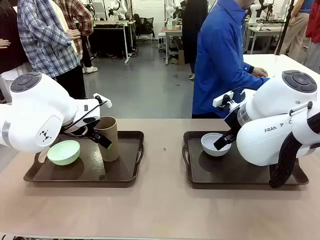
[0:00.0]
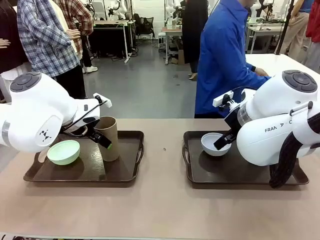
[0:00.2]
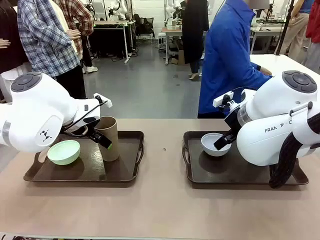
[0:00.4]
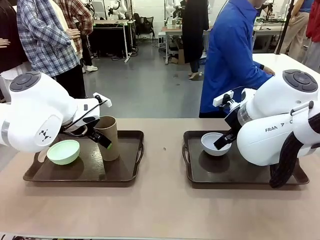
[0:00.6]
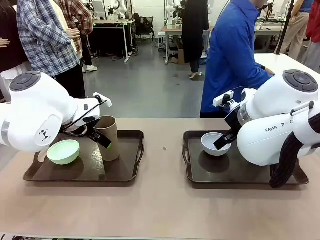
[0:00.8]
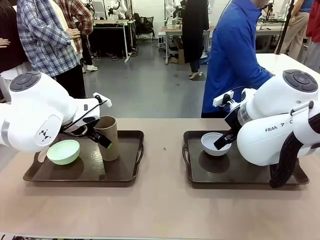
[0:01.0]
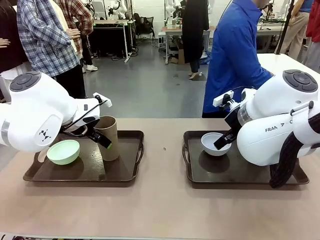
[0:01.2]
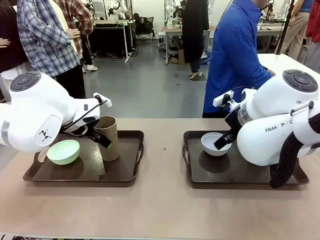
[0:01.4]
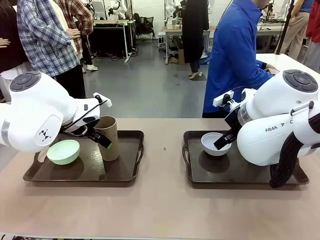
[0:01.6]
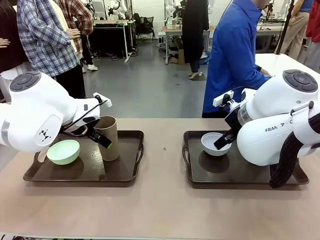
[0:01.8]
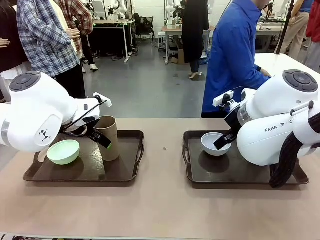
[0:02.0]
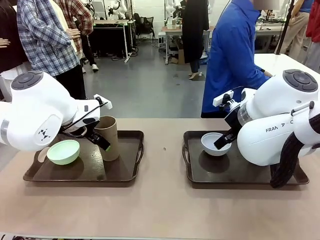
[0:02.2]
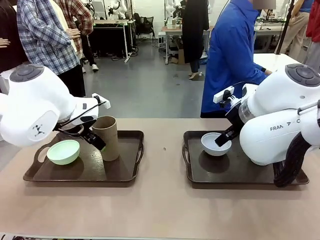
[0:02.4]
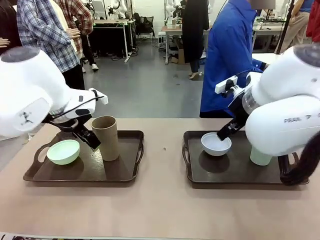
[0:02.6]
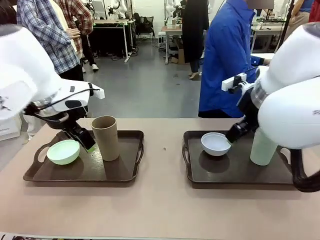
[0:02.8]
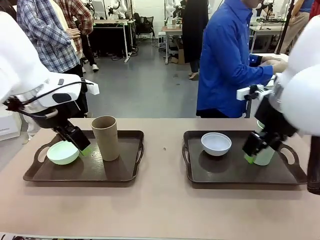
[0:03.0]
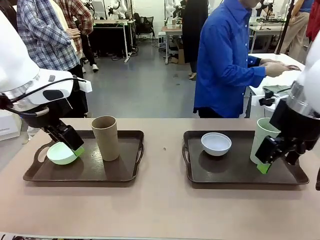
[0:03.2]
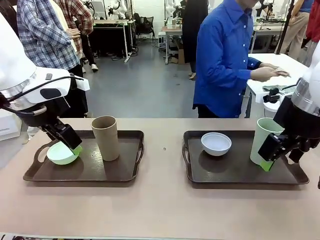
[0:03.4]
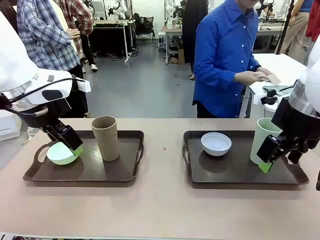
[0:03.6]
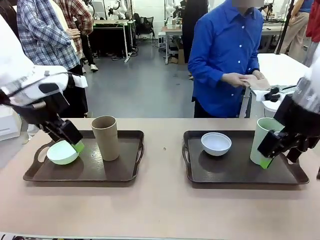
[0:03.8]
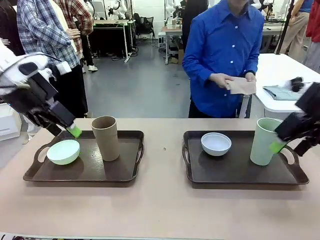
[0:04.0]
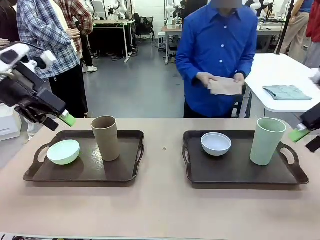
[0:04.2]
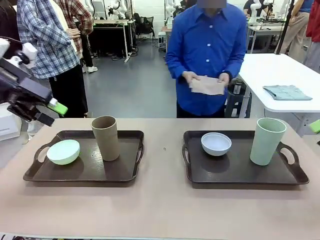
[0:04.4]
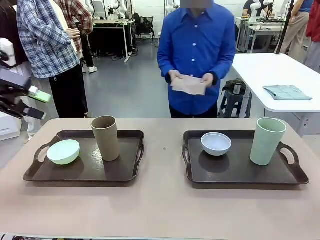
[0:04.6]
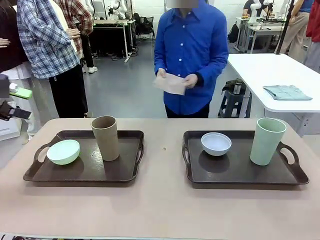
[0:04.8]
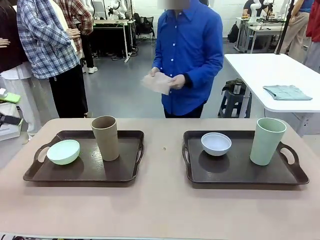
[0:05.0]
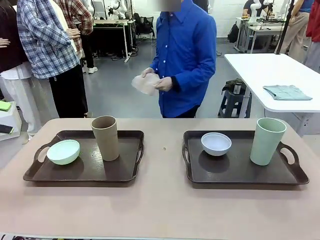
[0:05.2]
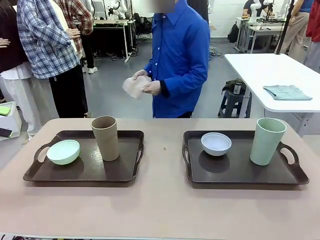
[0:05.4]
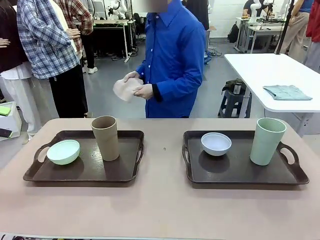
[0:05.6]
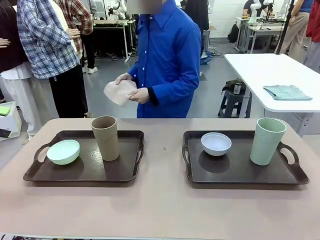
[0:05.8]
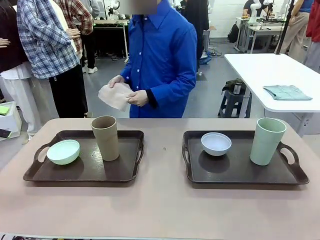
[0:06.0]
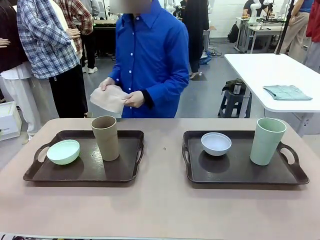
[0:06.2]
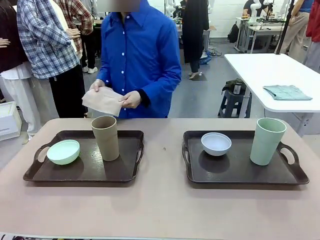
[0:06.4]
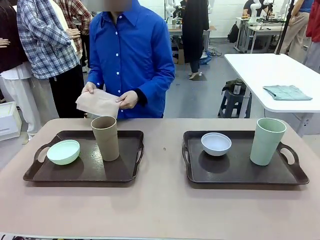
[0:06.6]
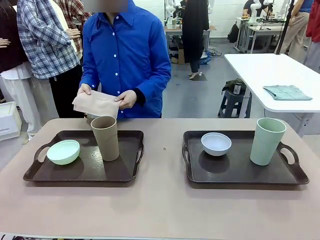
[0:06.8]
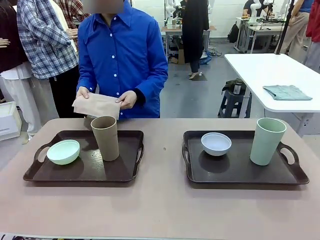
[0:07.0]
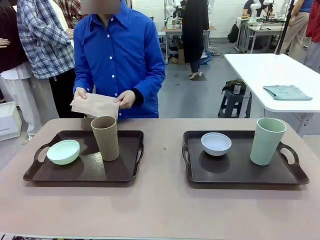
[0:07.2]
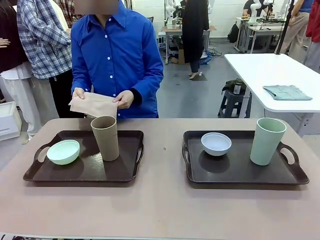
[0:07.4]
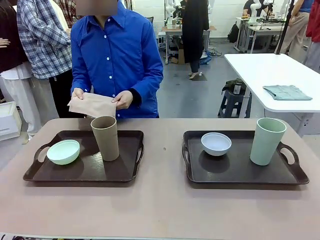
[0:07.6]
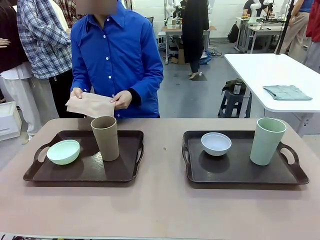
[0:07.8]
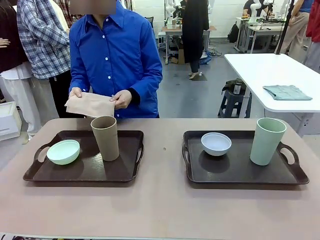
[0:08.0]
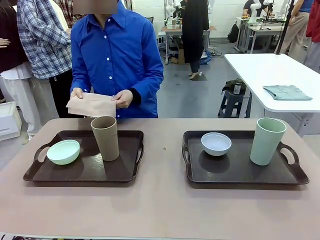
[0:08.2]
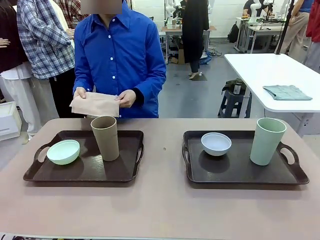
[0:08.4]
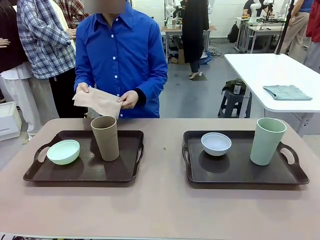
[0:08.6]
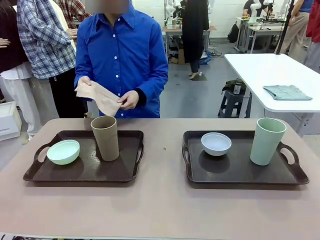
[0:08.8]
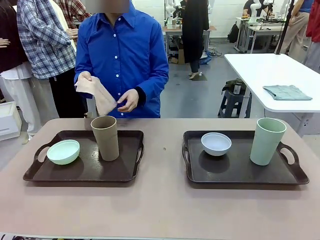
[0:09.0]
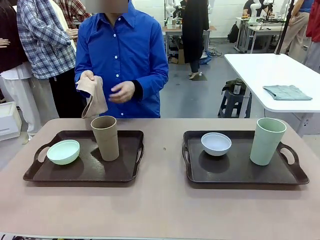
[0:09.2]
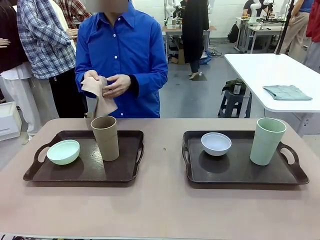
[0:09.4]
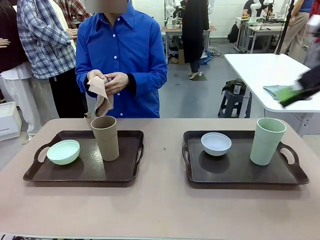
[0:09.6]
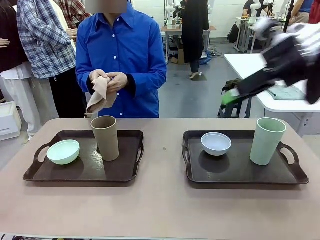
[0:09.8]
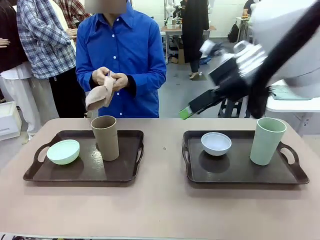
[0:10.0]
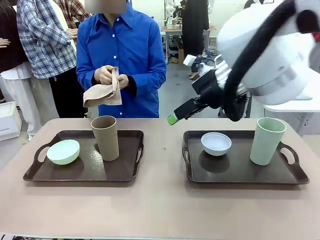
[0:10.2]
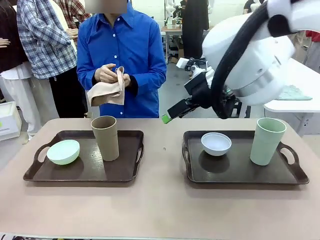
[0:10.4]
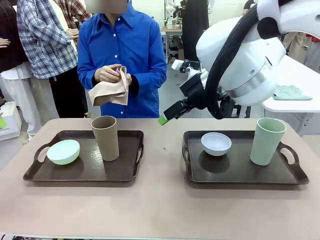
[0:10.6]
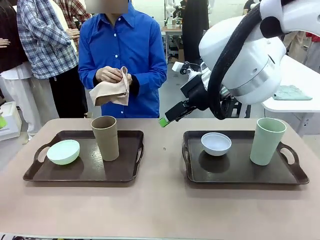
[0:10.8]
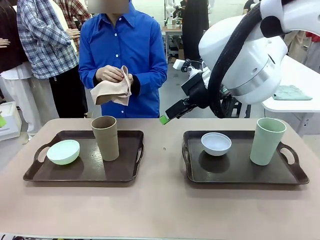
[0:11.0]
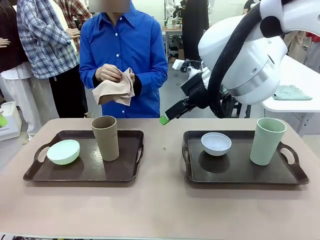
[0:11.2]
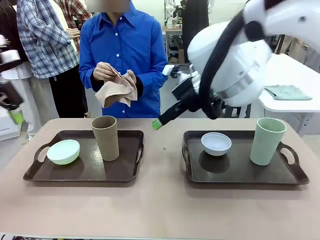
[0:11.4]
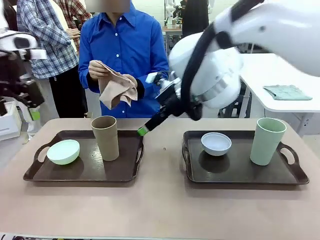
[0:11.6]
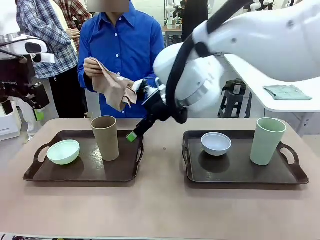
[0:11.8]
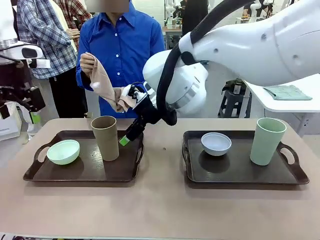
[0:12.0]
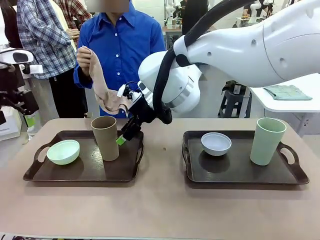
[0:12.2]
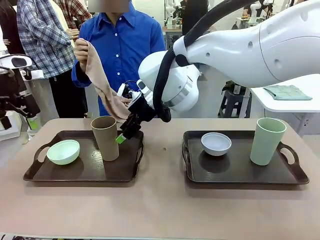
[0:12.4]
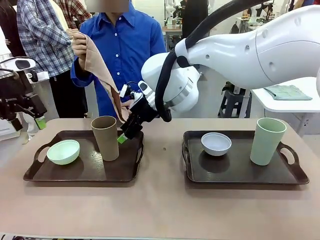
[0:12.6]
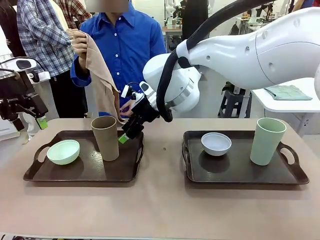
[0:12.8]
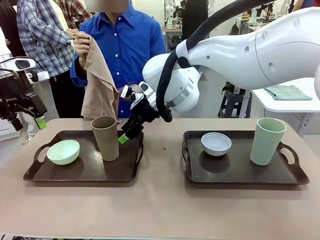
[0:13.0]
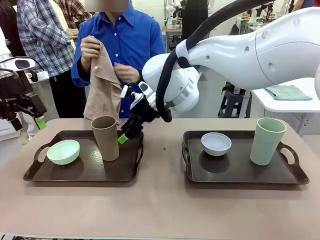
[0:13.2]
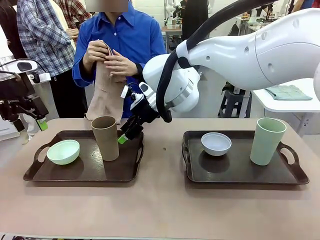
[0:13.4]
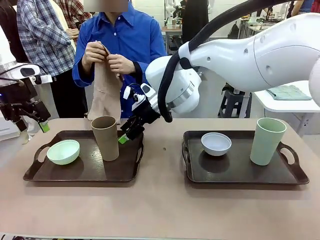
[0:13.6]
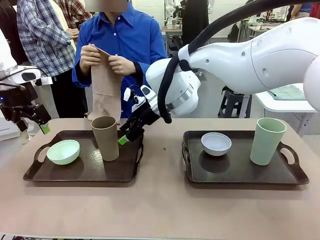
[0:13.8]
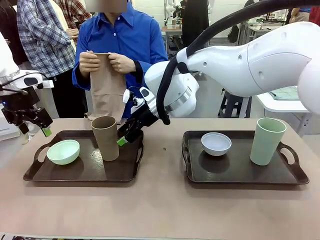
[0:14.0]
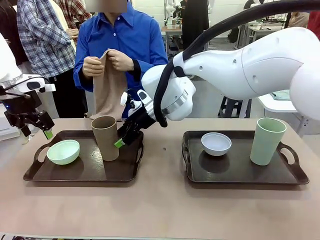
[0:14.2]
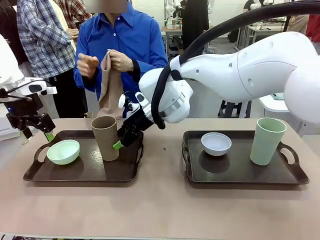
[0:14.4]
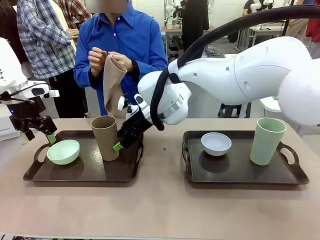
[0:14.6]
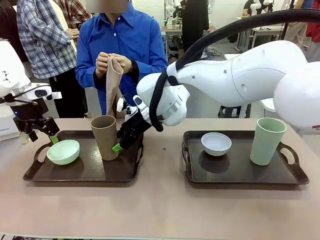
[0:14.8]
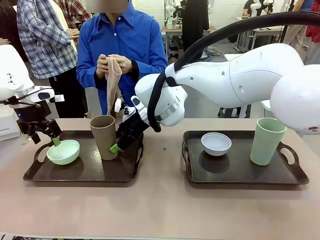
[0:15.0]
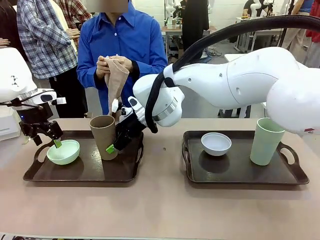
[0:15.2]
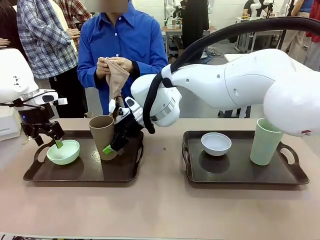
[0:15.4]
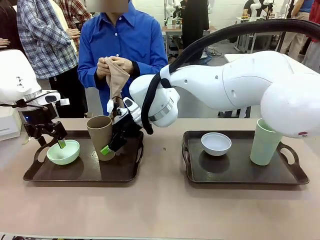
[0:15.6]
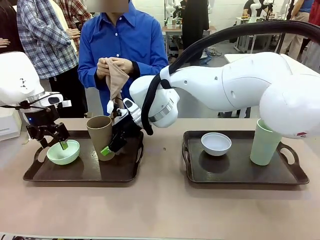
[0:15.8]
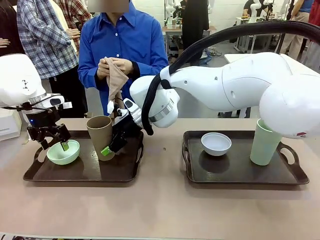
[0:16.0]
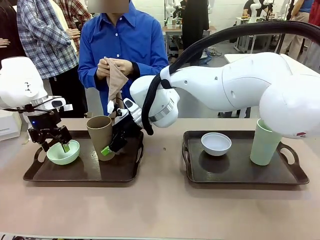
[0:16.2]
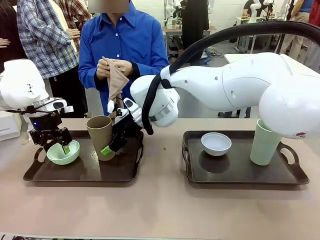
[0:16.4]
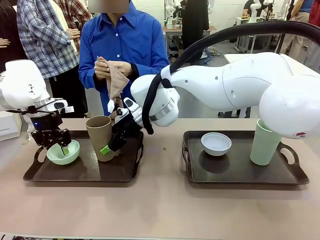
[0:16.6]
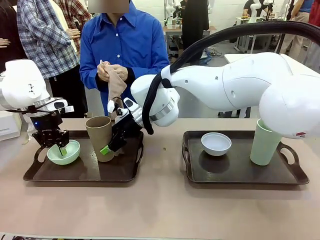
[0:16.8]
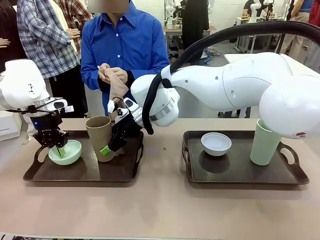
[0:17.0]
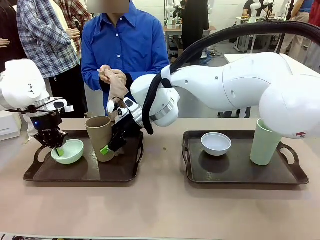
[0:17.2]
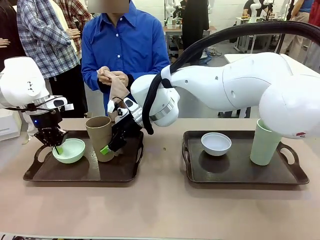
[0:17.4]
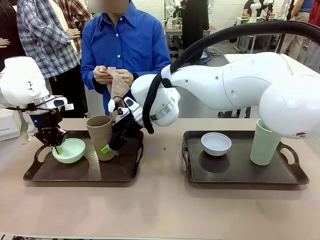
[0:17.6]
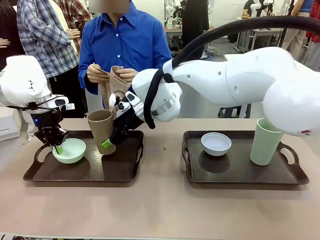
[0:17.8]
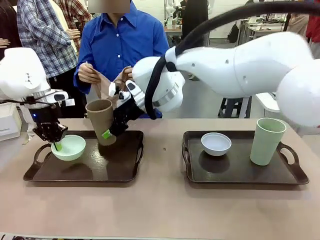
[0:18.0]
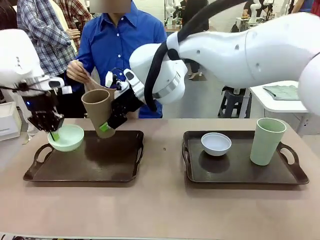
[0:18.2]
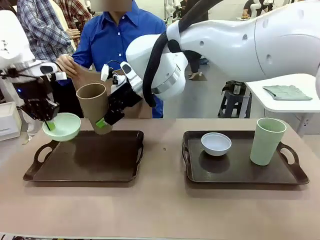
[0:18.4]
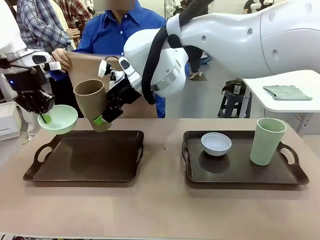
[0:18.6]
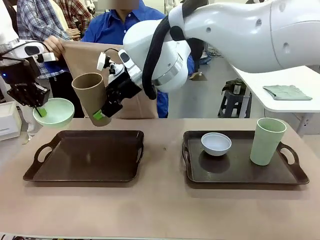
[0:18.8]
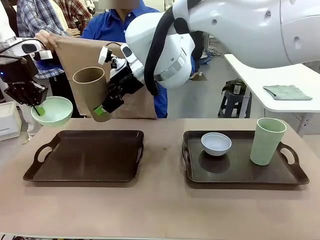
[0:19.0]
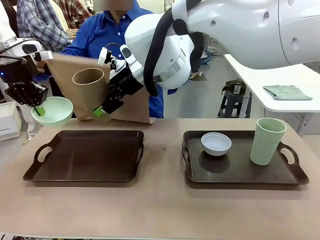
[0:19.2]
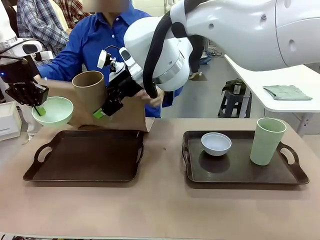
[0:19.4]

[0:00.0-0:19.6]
Robot: Pick up the Picnic Bowl and Reusable plastic cup from the Handle tray in front of the human's position and hold them in the air.
Person: The human picks up the top napkin from the stack on the human table and walks to the robot table to stand in front of one of the two trays. When the robot lifts the bowl and the cup, the human unfolds the napkin and lays the napkin flat on the tray.
